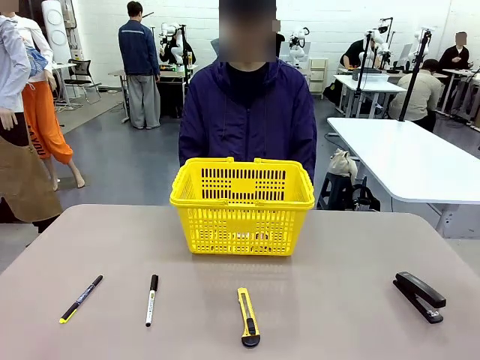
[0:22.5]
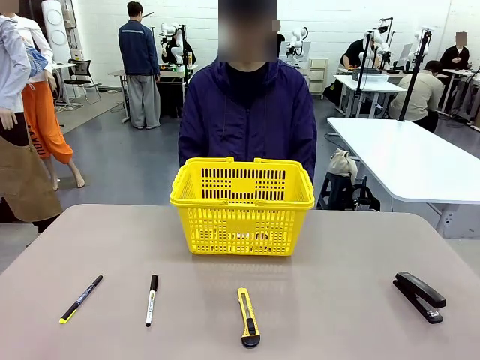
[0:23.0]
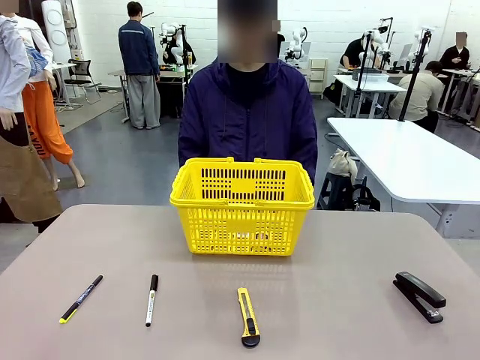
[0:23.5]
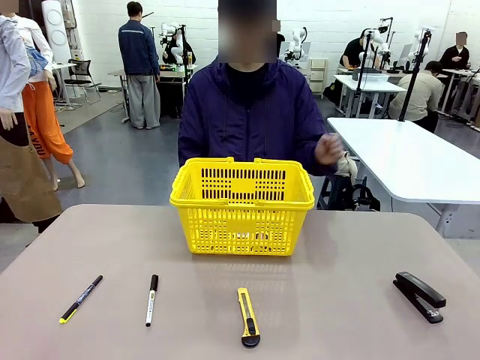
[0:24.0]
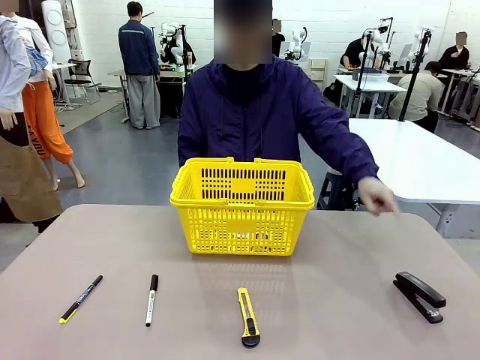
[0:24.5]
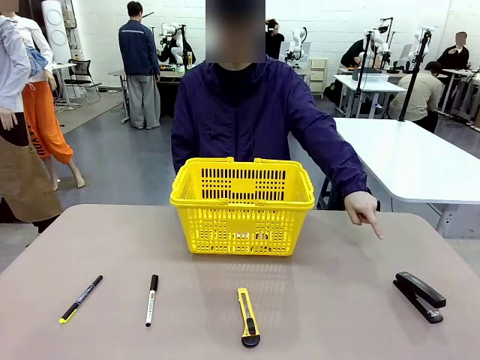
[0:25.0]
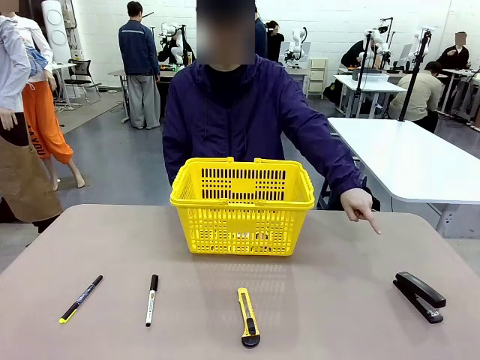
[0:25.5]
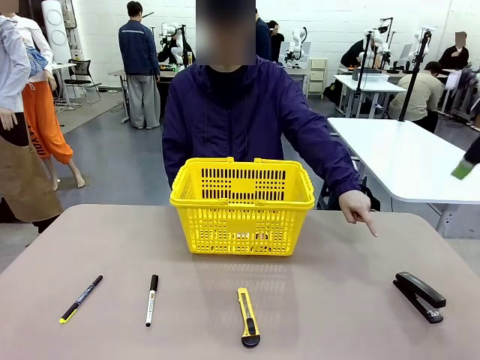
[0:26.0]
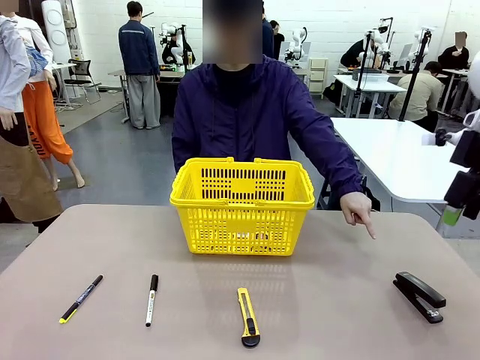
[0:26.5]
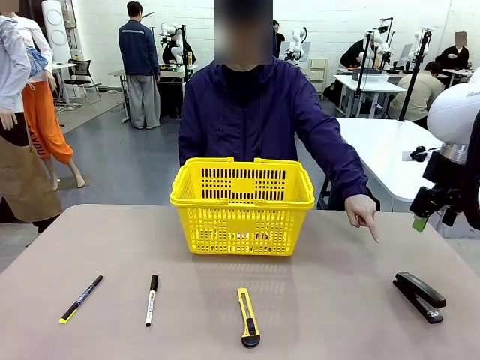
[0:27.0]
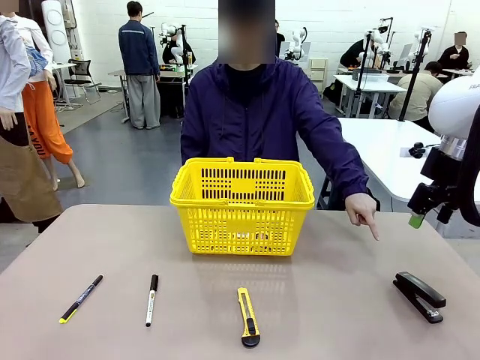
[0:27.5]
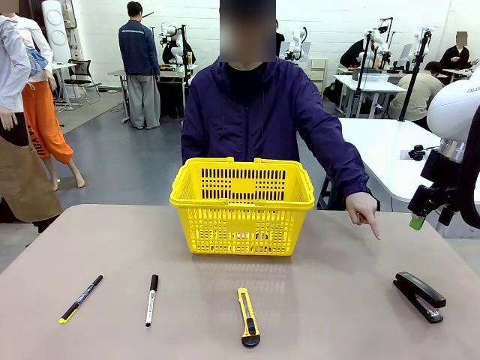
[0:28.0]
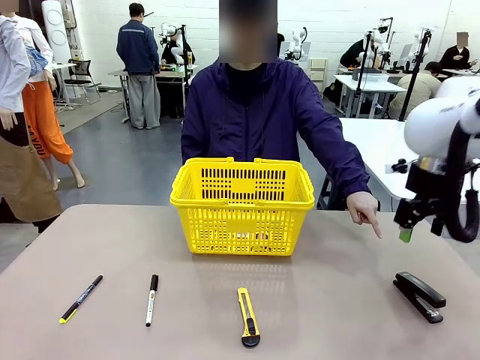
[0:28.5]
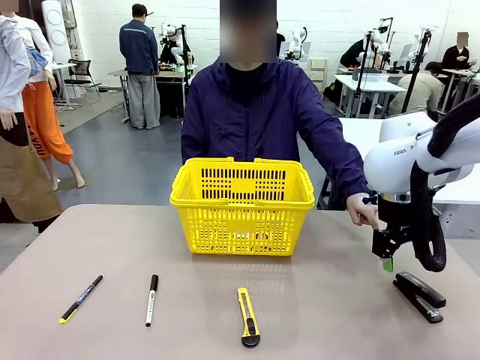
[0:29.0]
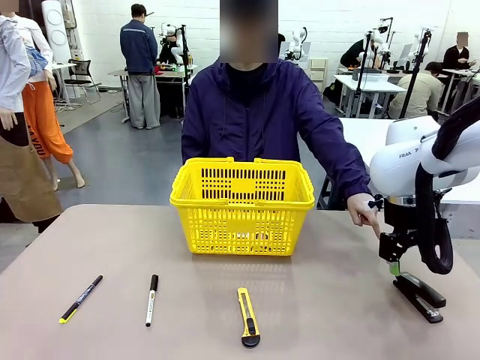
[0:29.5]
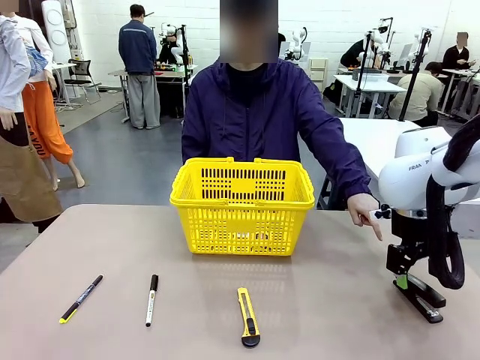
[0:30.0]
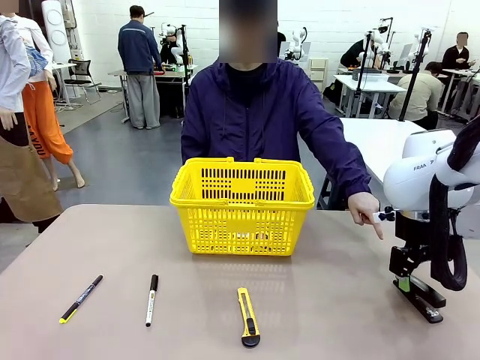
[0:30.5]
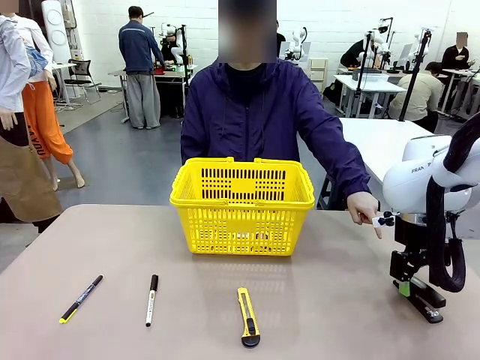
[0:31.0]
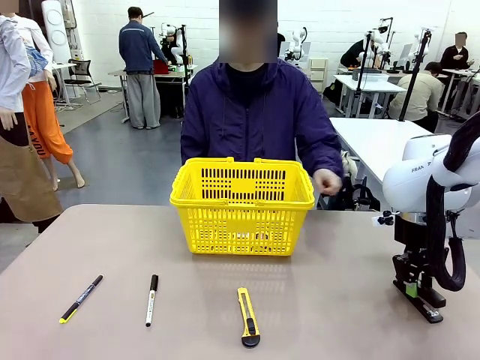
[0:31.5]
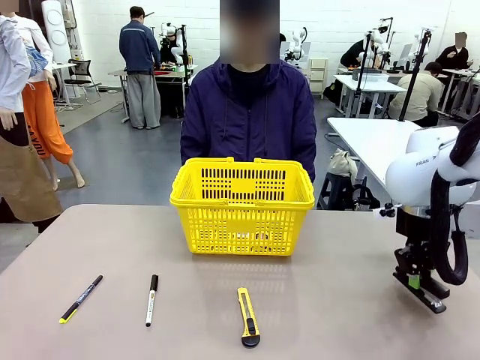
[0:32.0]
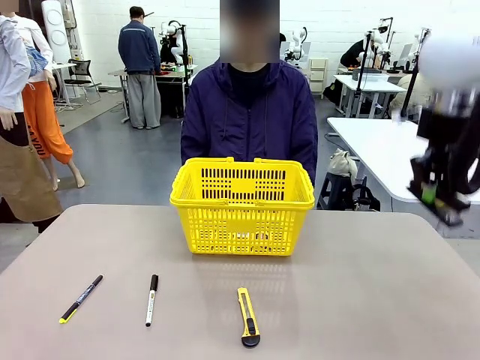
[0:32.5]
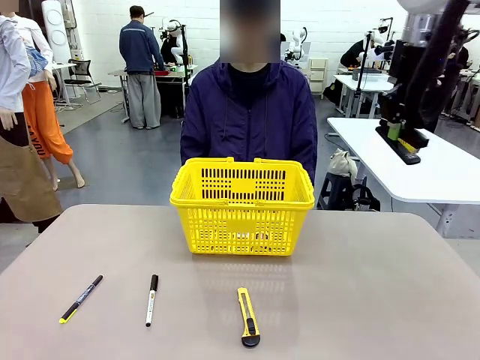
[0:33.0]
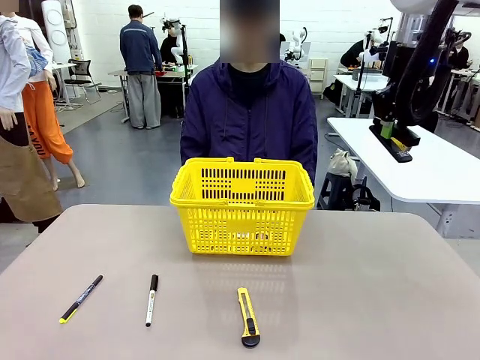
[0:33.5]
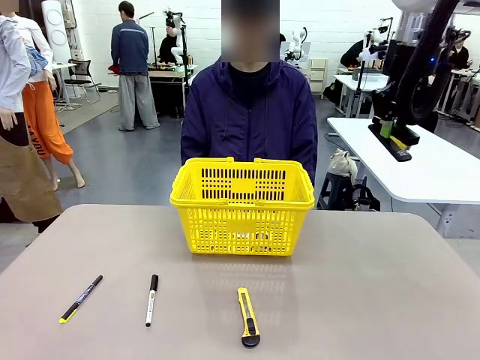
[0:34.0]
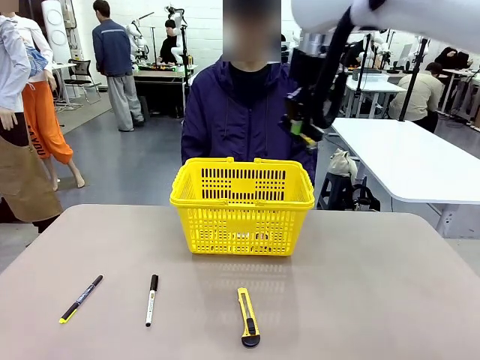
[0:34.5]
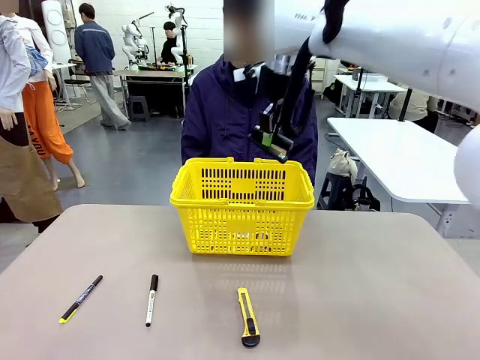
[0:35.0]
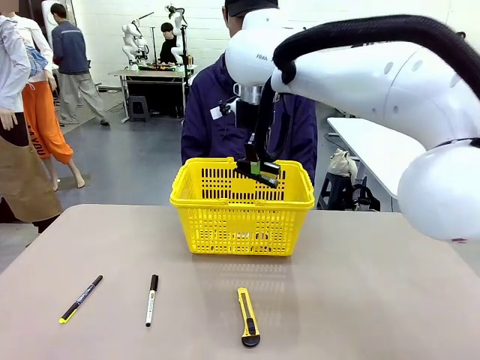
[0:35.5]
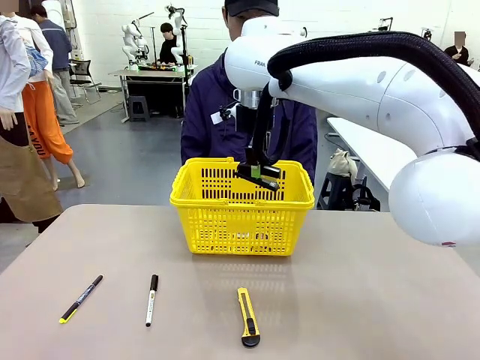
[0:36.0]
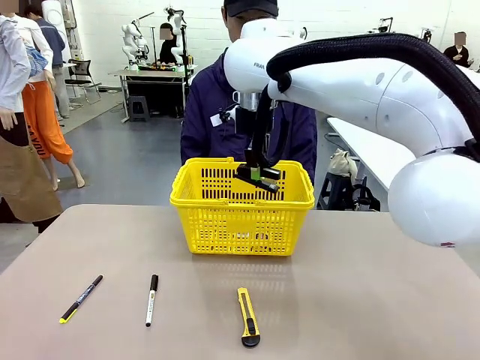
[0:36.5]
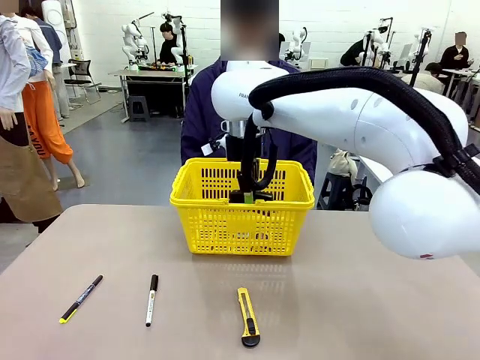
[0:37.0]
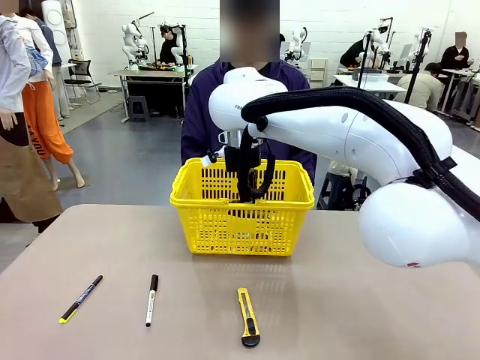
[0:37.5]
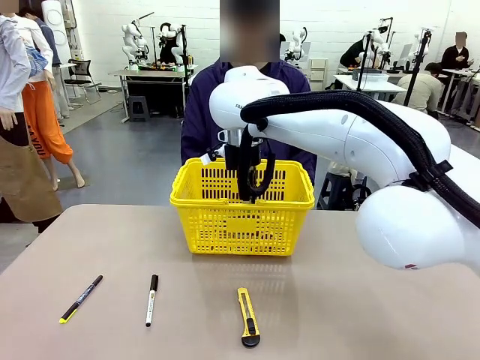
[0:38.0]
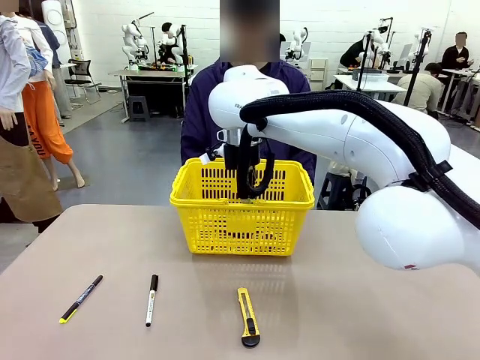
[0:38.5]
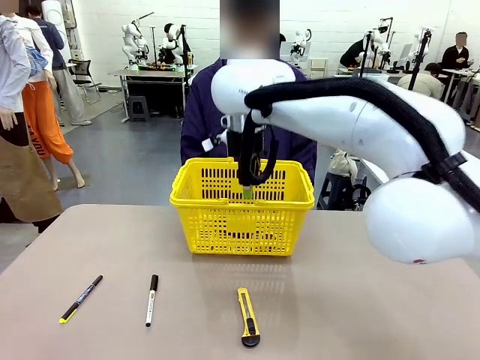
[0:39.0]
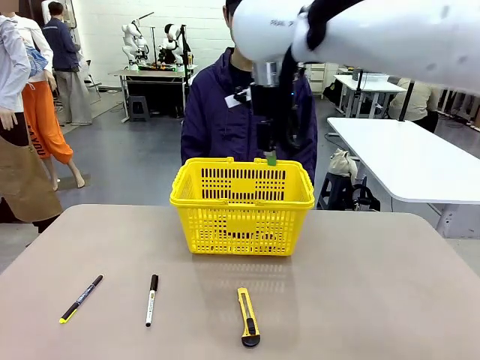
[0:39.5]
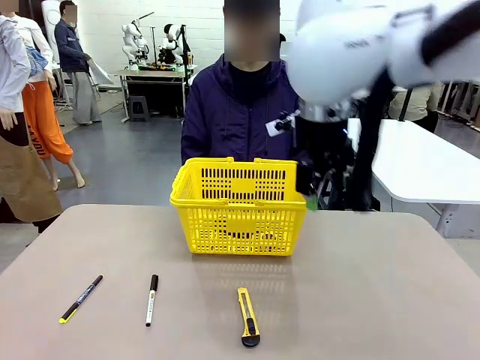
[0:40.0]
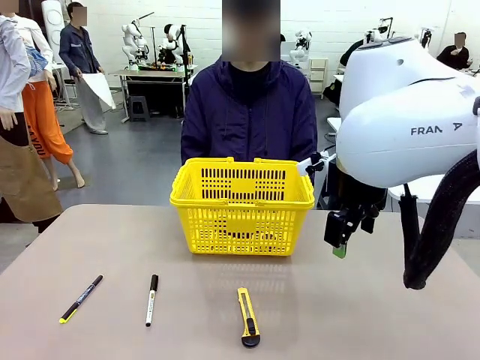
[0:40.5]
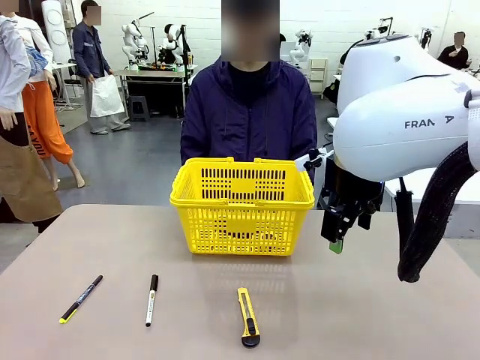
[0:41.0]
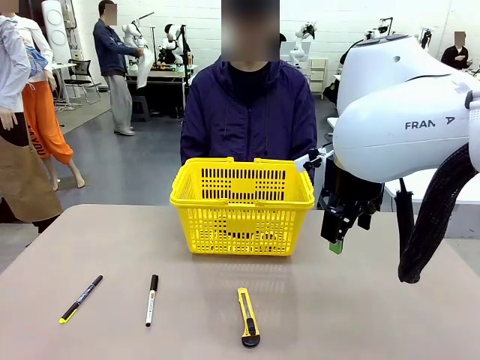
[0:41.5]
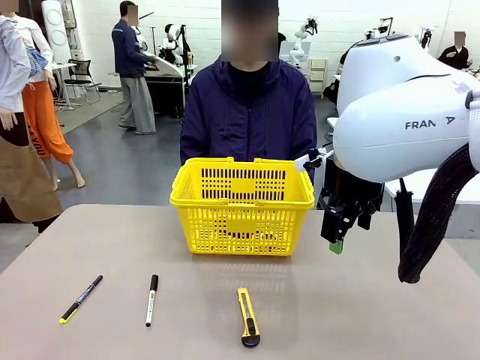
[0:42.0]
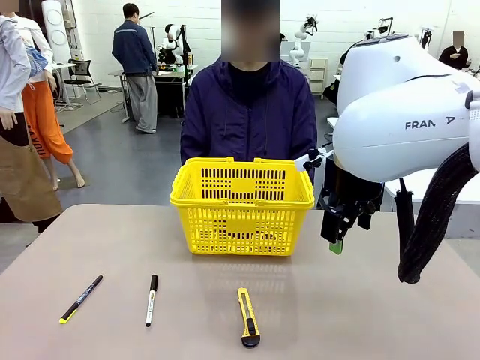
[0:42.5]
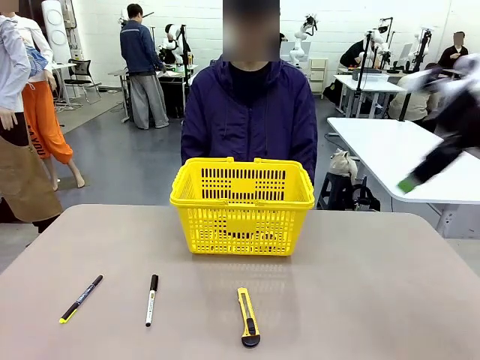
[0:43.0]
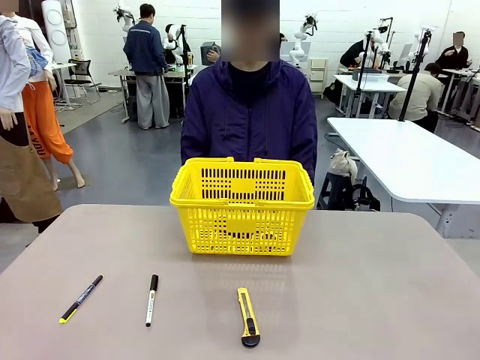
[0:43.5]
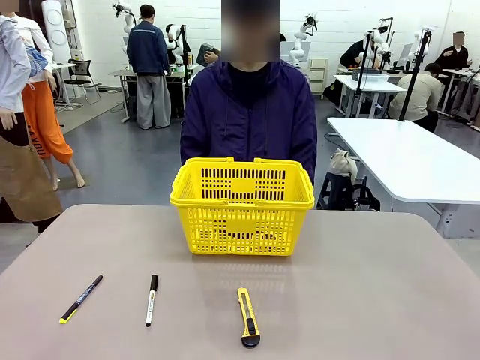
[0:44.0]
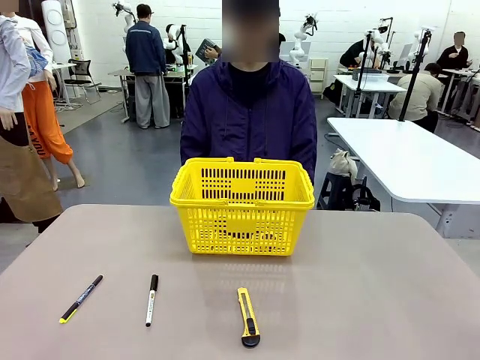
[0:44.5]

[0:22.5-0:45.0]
Task: Place the items the person wants into the basket.
Robot: Pick up the item the person points to and place it in the Market Basket.
